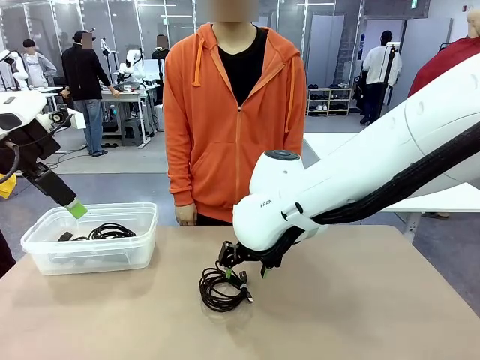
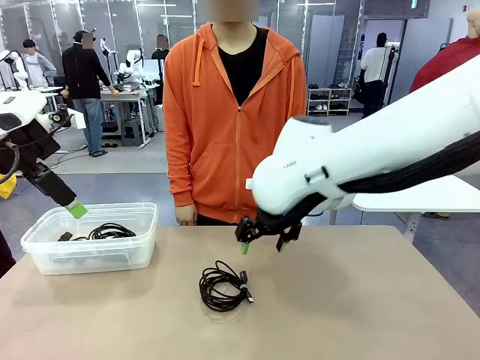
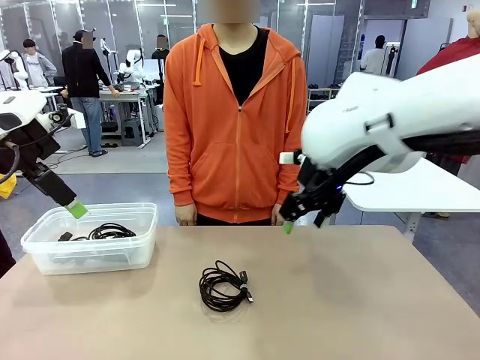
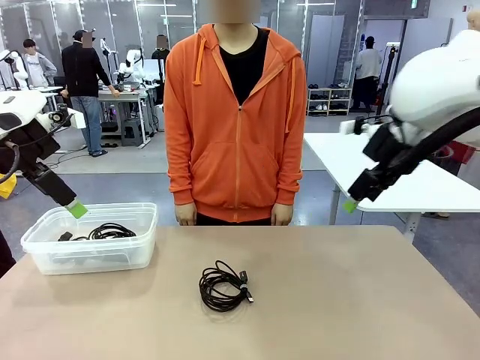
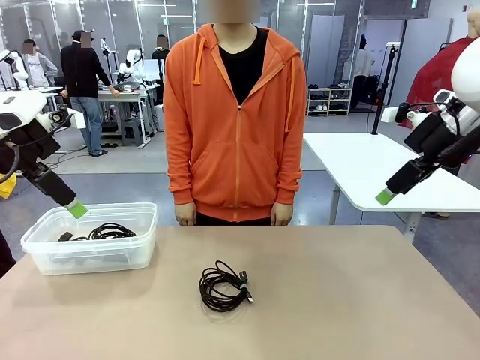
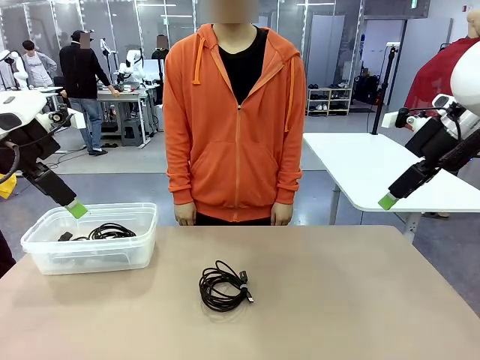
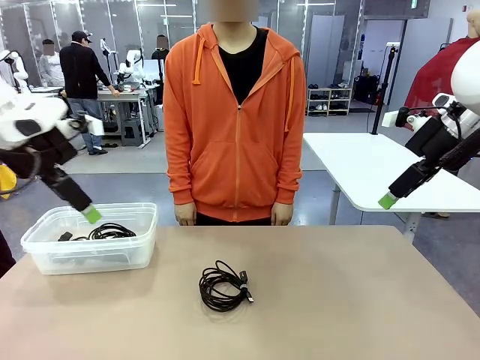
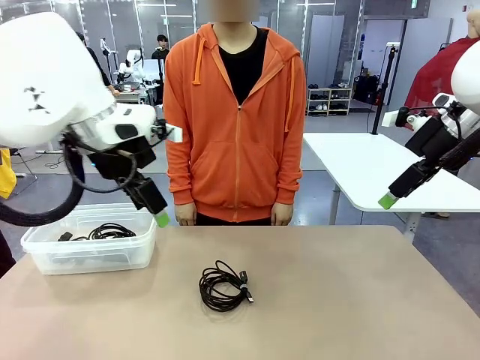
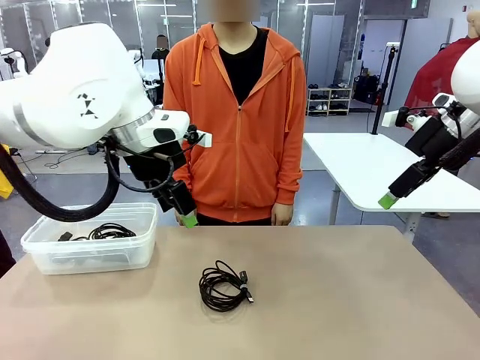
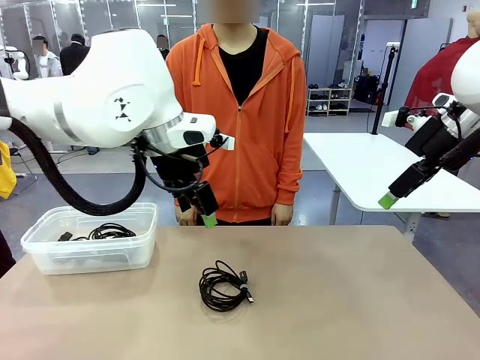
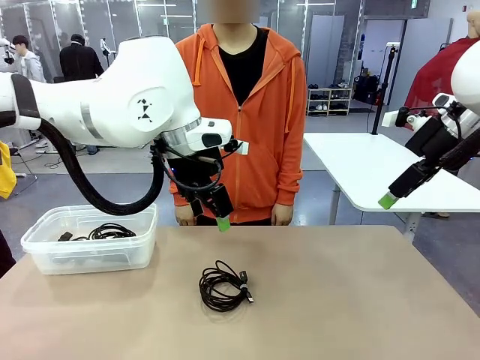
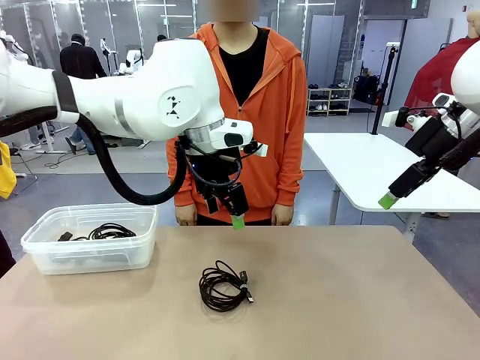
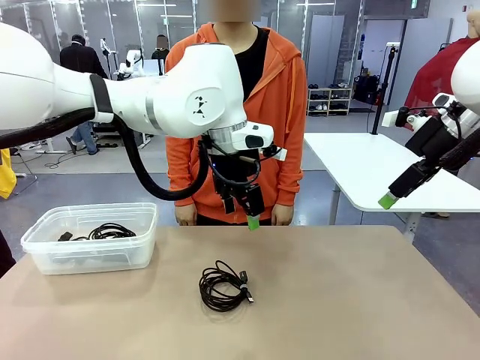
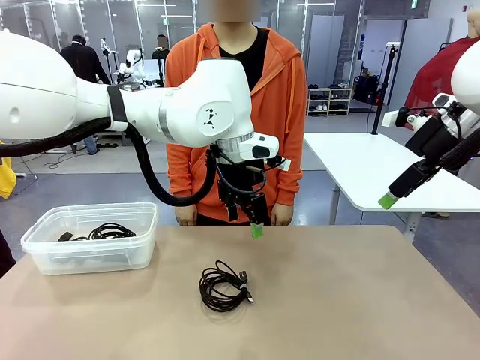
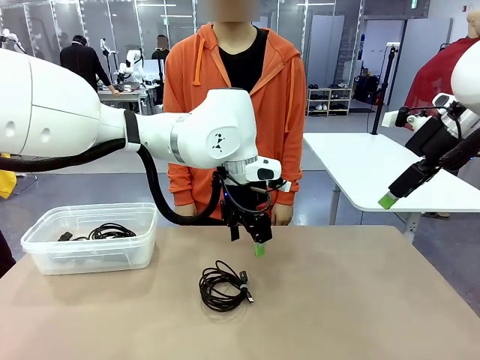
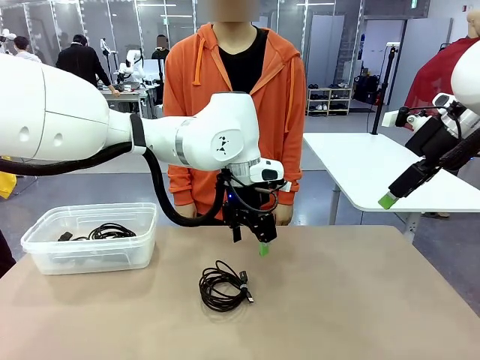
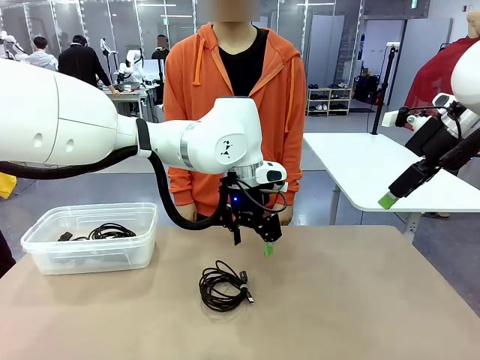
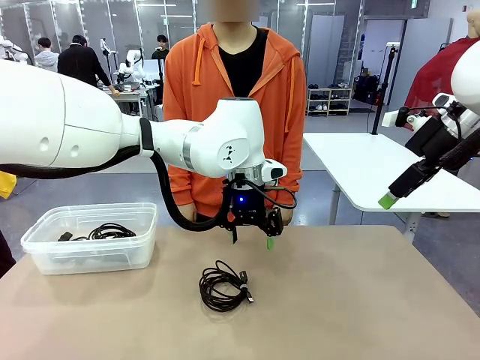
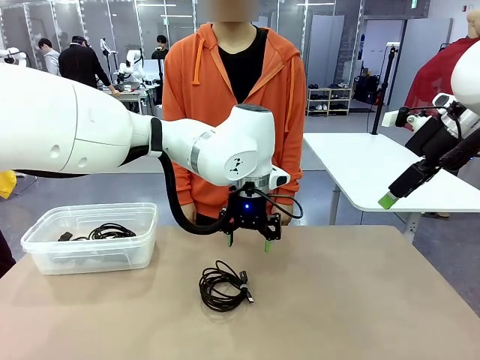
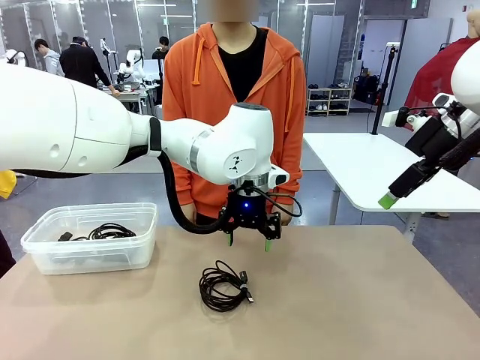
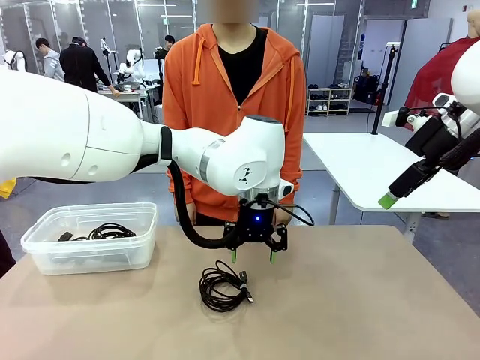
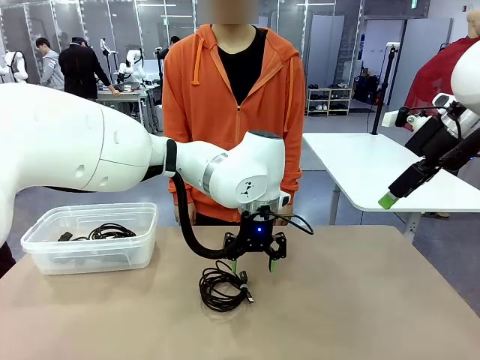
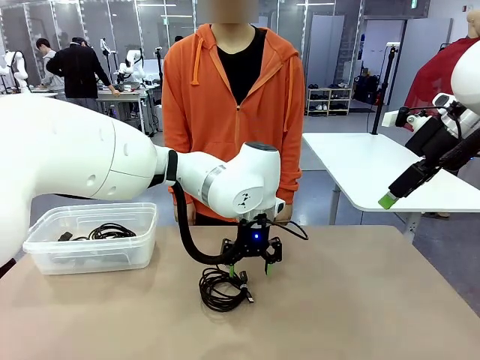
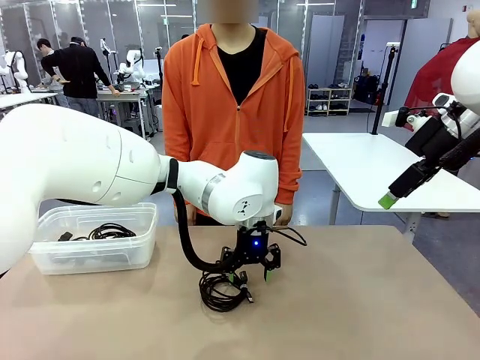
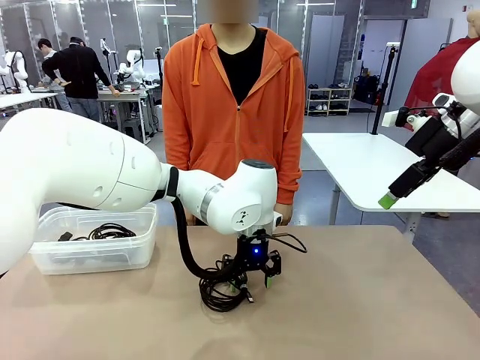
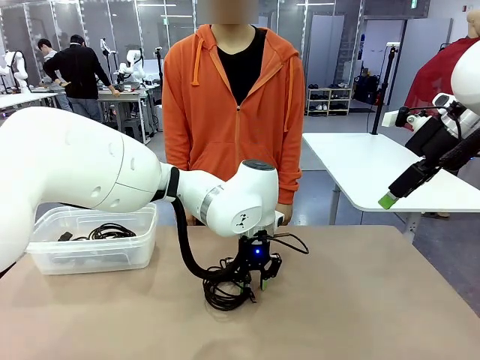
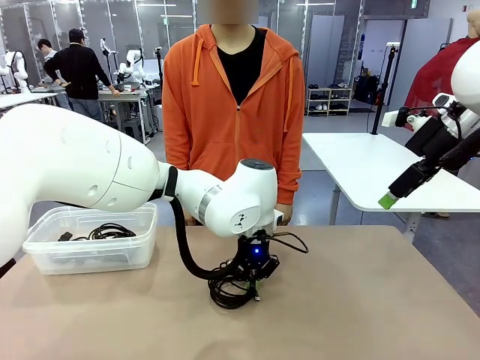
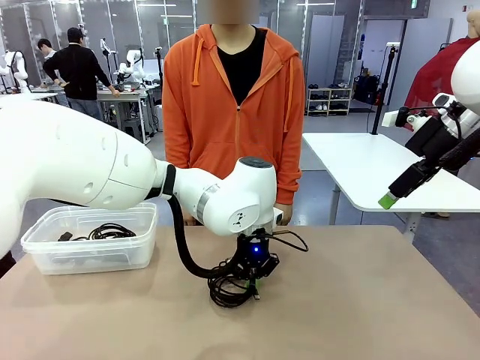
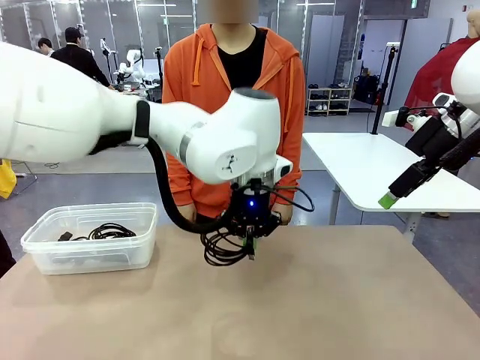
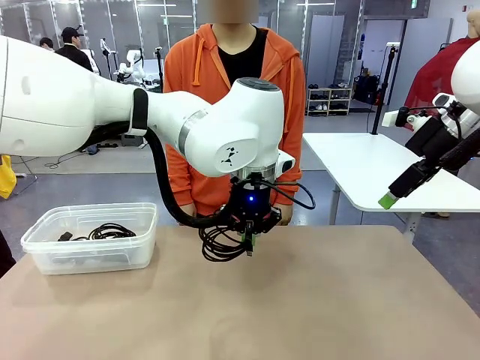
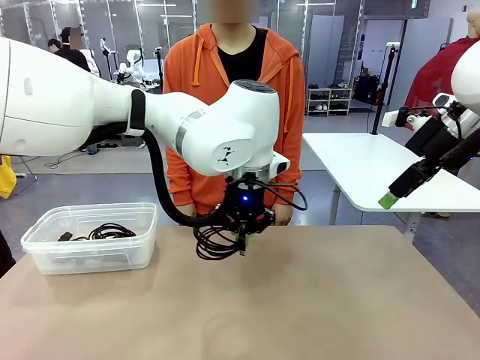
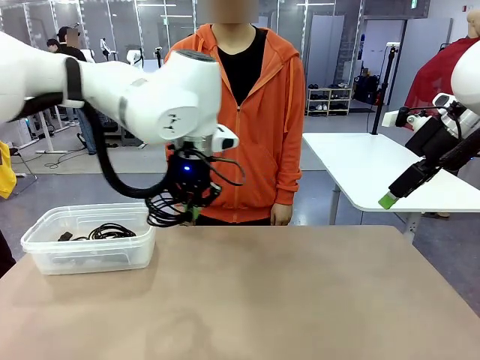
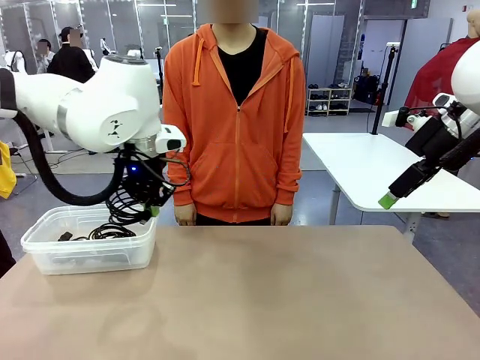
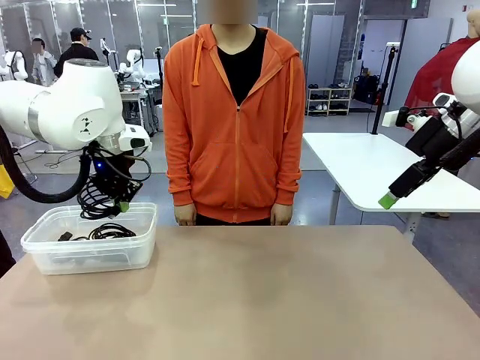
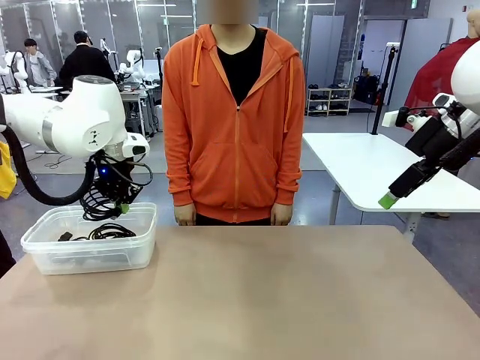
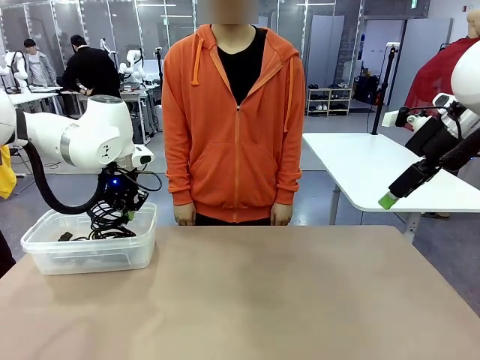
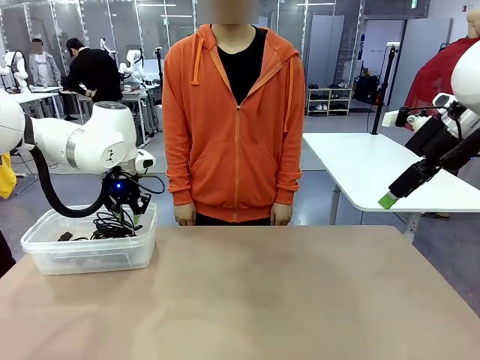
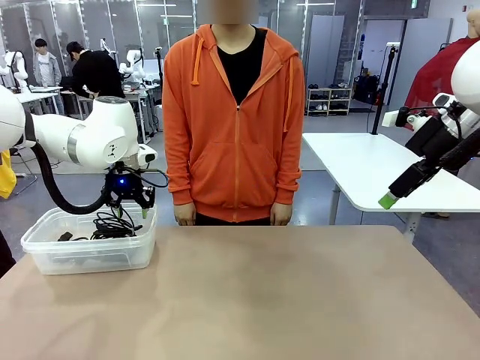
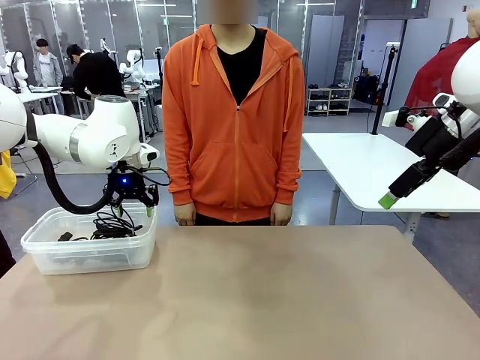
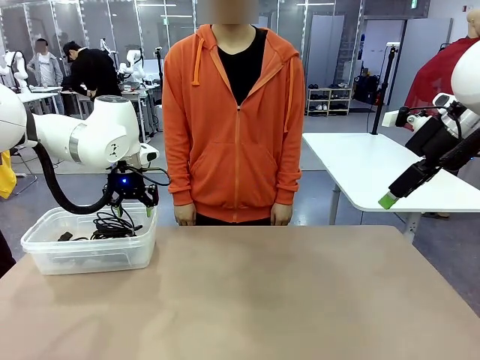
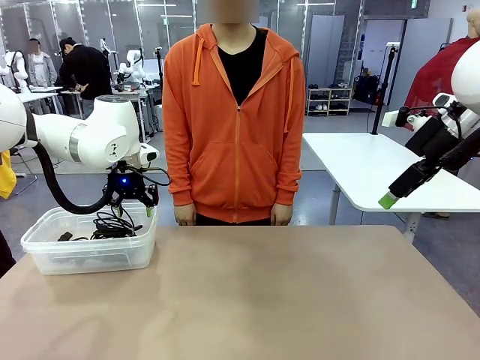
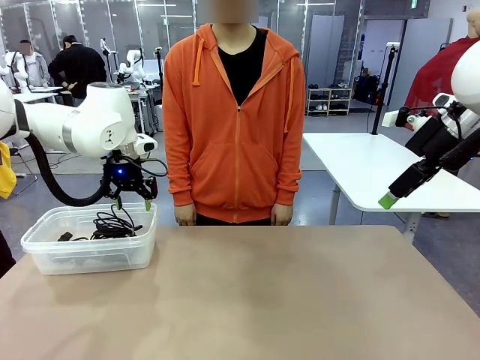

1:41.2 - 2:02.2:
Task: Organize and store the cables.
Robot: Place the USB Extension Cable into the Organizing box.

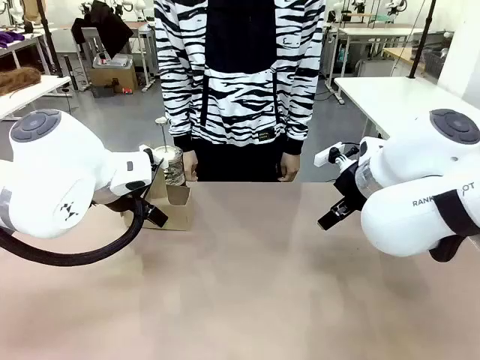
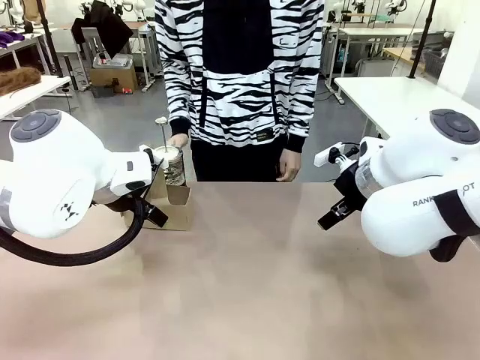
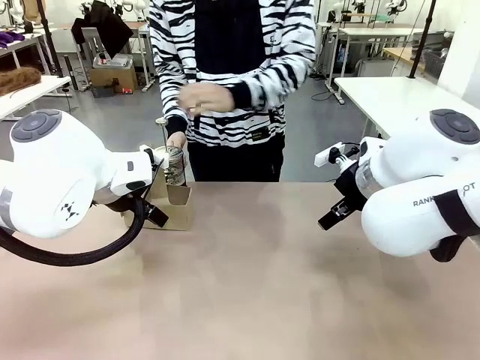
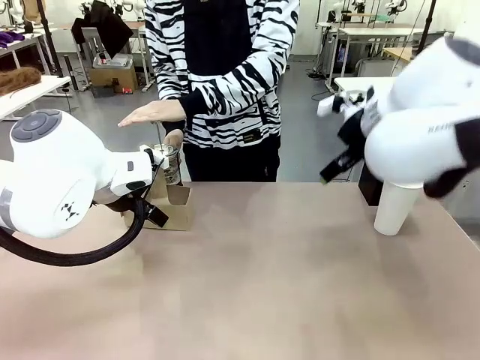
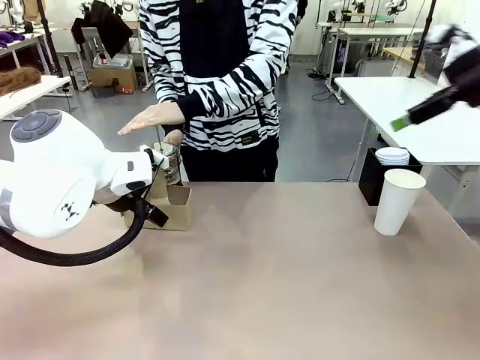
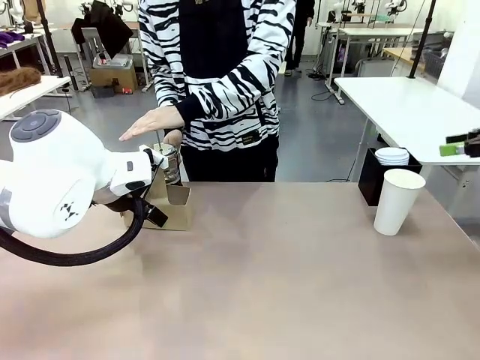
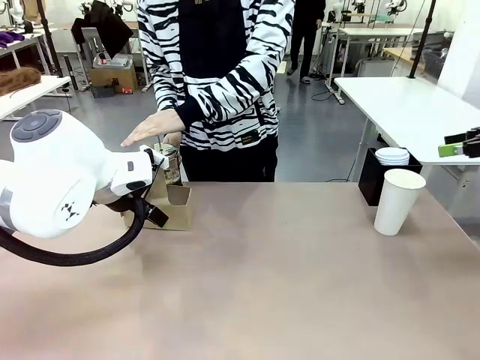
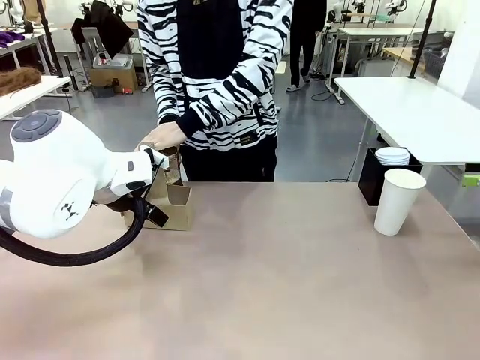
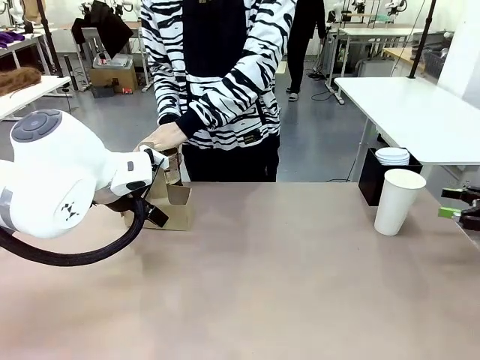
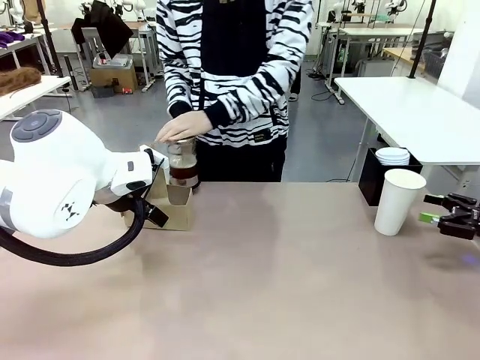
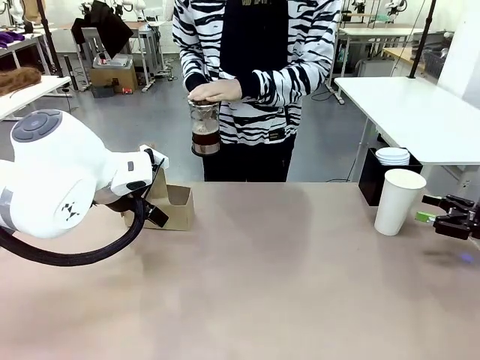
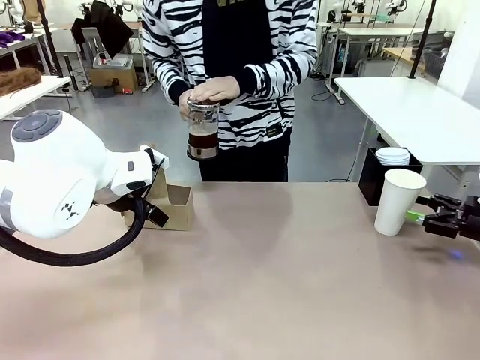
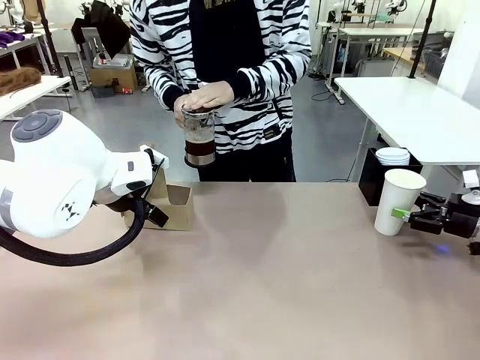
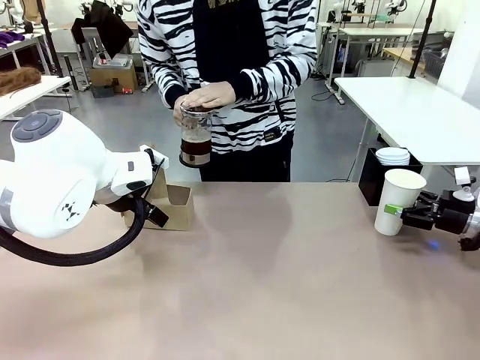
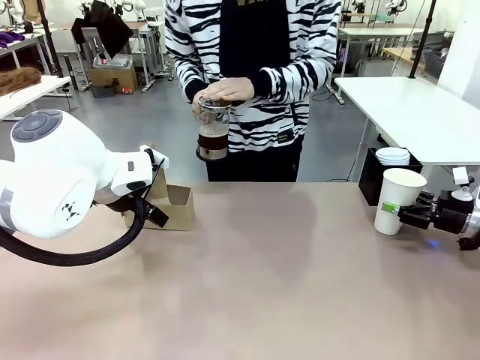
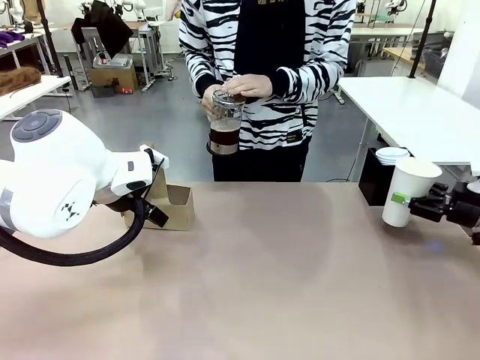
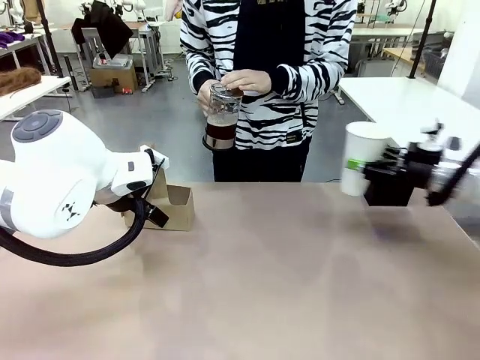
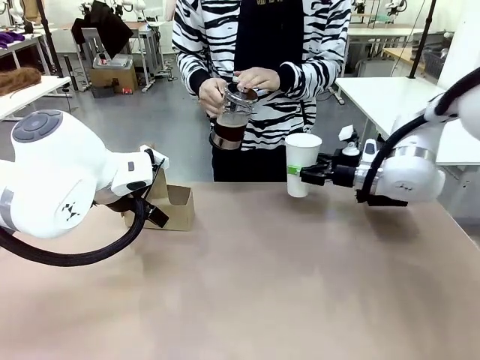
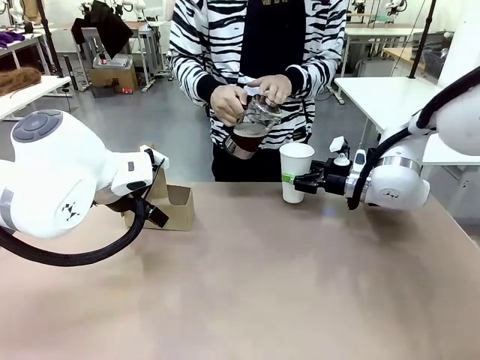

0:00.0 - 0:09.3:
Task: Pour a drink into a cup and package it in a carrier.
Robot: Pick up the 600 ml Paper Cup and place it in the middle top area of the table.
Person: Press and pick up the Filter Brewing.
